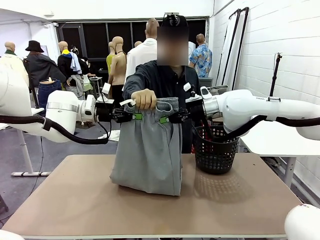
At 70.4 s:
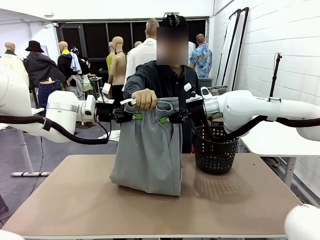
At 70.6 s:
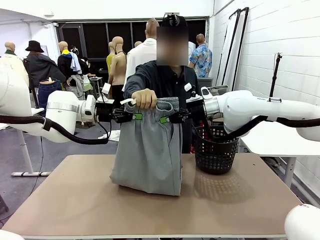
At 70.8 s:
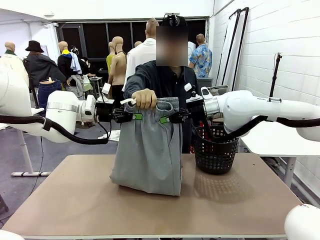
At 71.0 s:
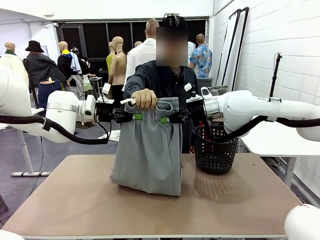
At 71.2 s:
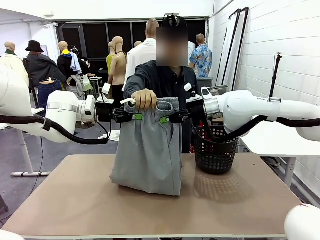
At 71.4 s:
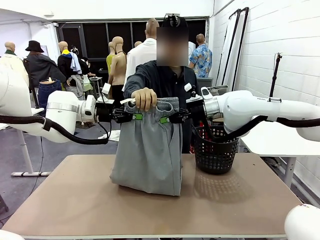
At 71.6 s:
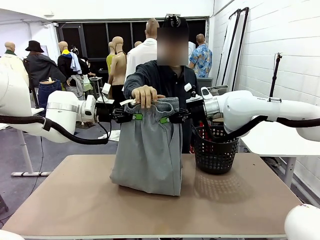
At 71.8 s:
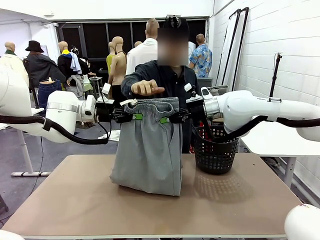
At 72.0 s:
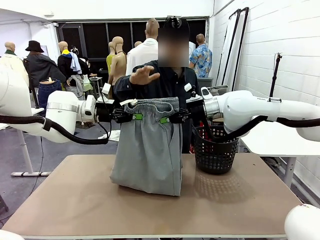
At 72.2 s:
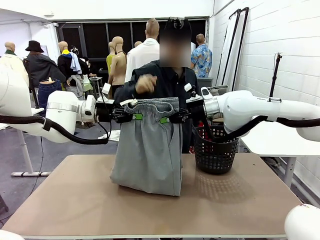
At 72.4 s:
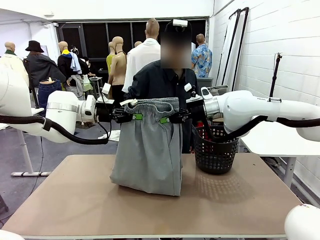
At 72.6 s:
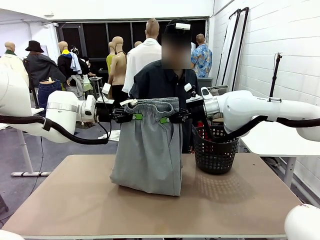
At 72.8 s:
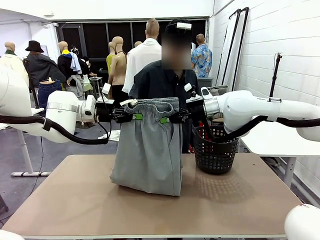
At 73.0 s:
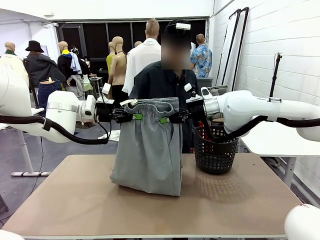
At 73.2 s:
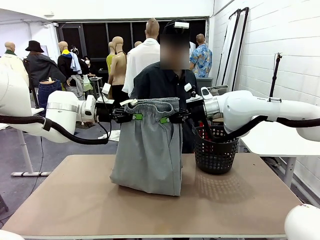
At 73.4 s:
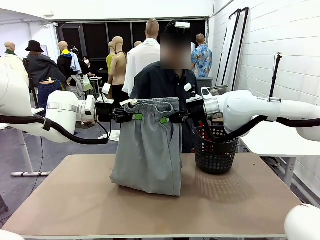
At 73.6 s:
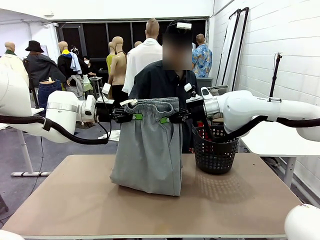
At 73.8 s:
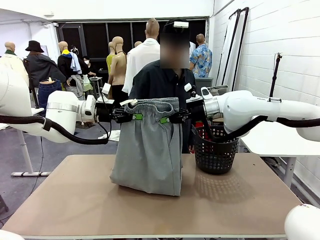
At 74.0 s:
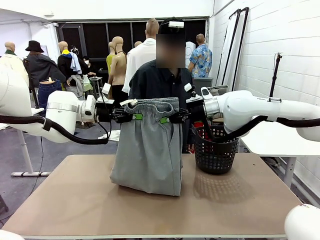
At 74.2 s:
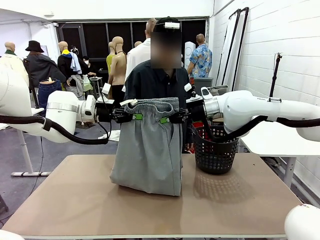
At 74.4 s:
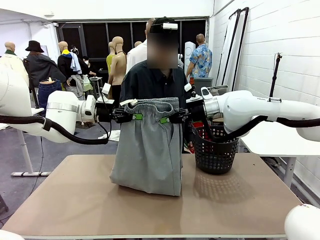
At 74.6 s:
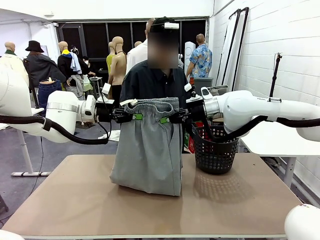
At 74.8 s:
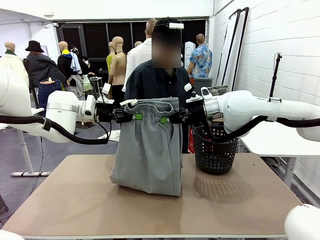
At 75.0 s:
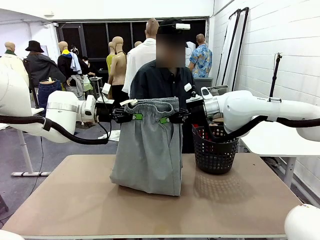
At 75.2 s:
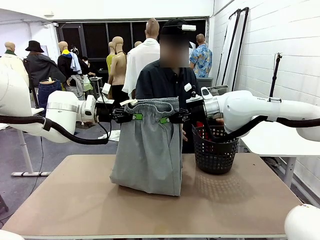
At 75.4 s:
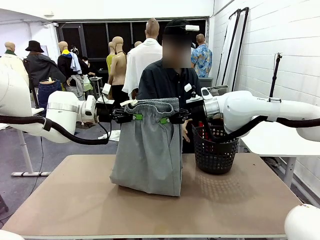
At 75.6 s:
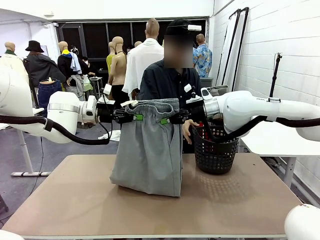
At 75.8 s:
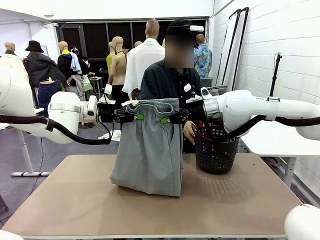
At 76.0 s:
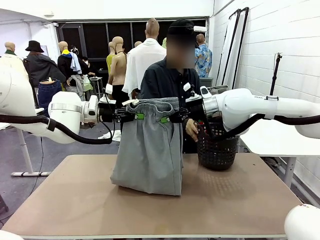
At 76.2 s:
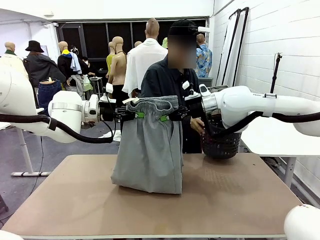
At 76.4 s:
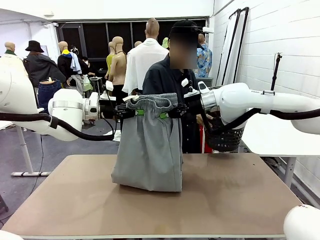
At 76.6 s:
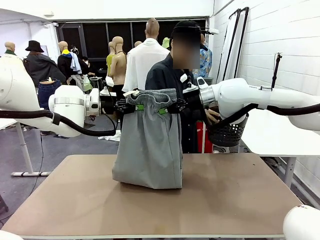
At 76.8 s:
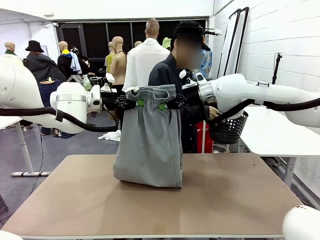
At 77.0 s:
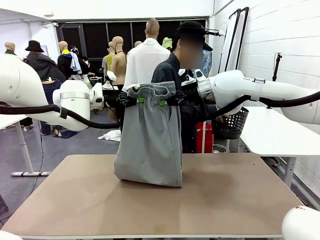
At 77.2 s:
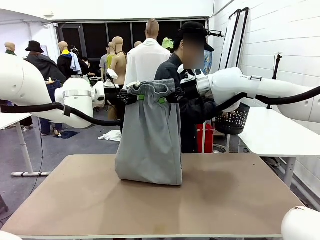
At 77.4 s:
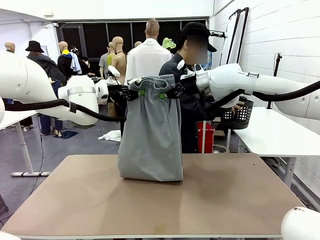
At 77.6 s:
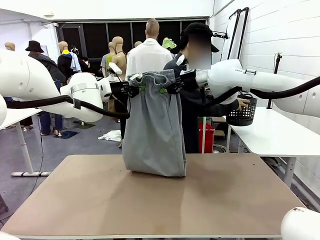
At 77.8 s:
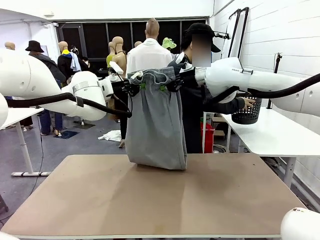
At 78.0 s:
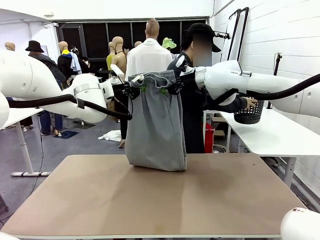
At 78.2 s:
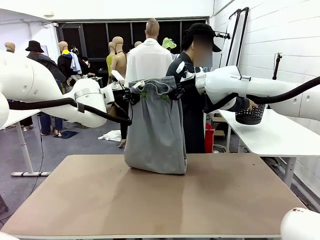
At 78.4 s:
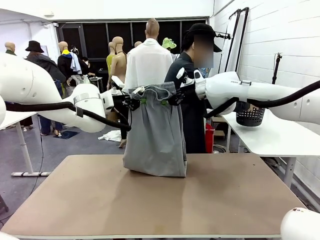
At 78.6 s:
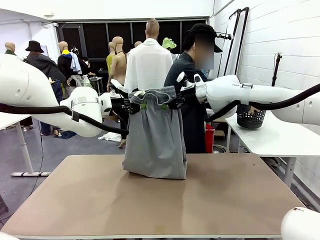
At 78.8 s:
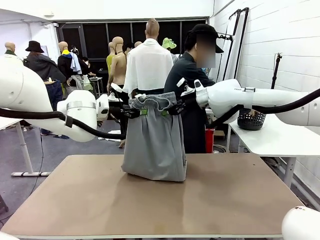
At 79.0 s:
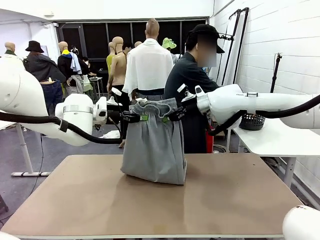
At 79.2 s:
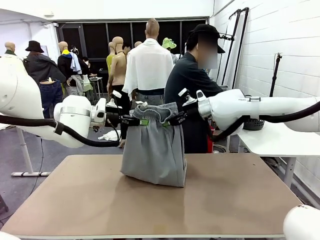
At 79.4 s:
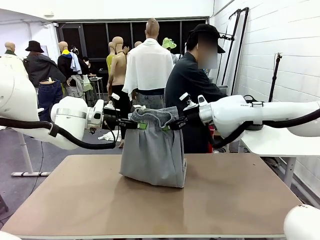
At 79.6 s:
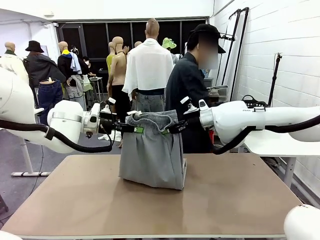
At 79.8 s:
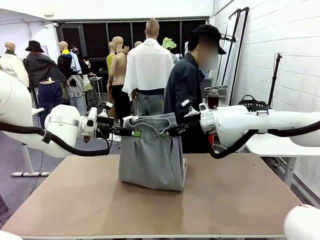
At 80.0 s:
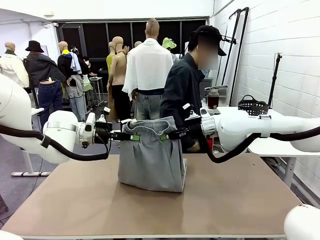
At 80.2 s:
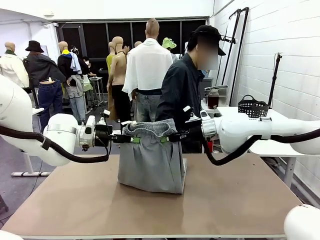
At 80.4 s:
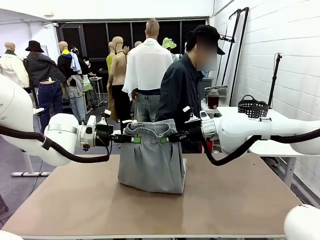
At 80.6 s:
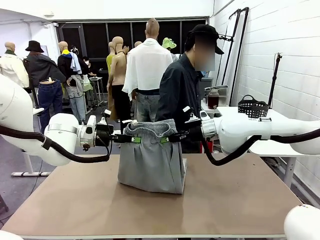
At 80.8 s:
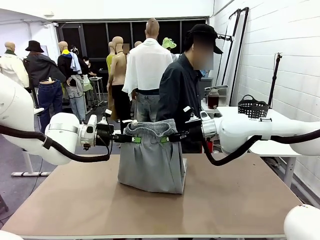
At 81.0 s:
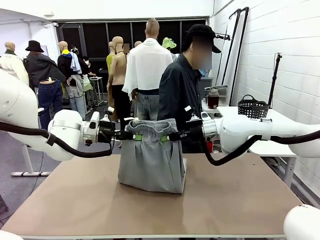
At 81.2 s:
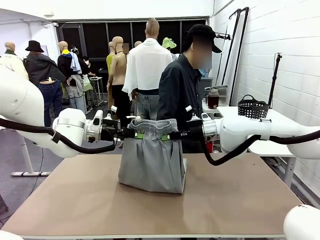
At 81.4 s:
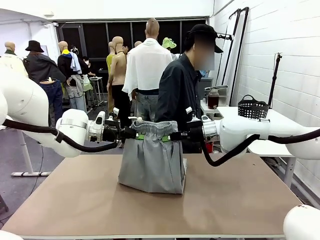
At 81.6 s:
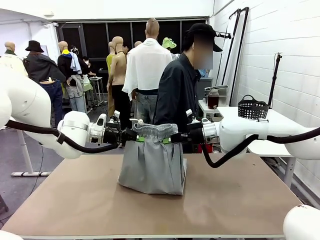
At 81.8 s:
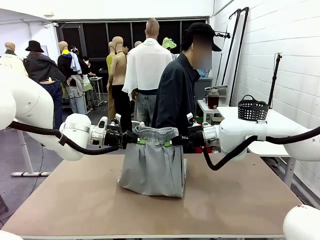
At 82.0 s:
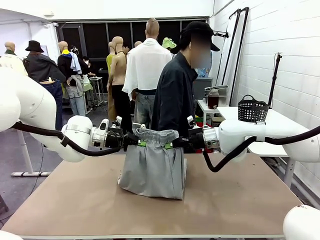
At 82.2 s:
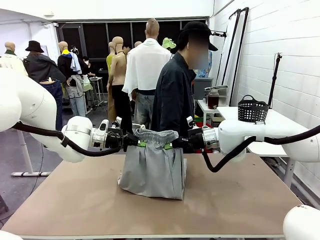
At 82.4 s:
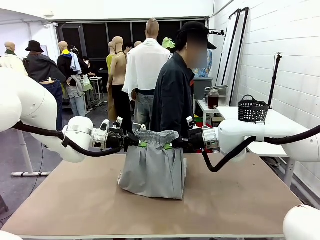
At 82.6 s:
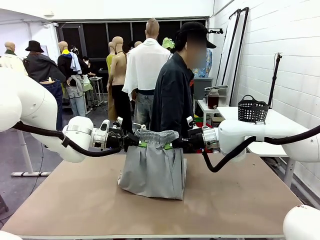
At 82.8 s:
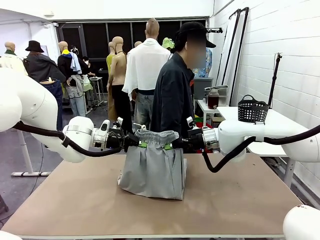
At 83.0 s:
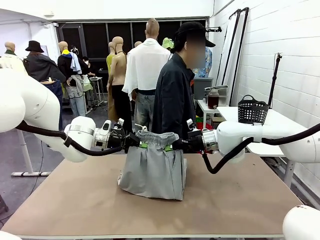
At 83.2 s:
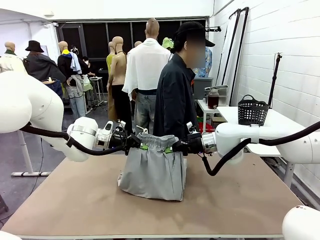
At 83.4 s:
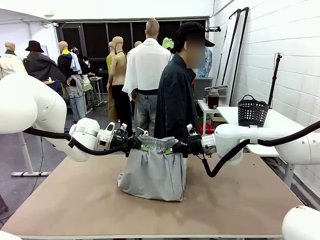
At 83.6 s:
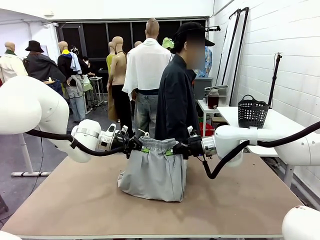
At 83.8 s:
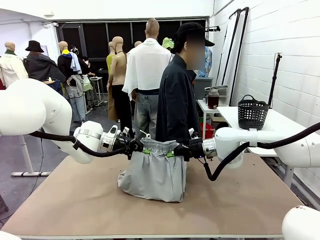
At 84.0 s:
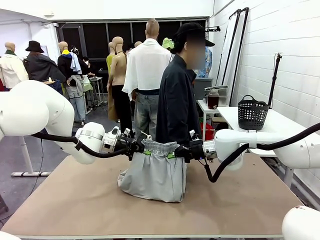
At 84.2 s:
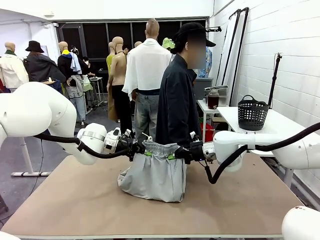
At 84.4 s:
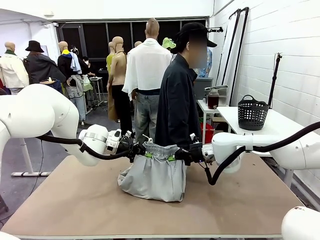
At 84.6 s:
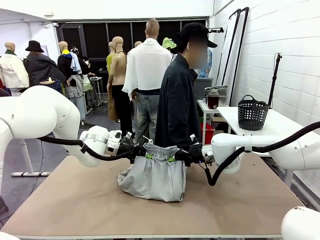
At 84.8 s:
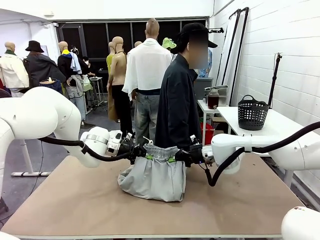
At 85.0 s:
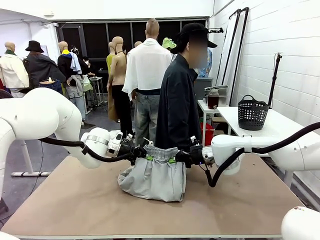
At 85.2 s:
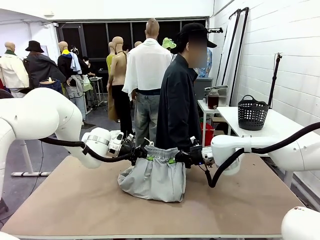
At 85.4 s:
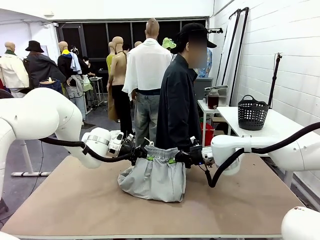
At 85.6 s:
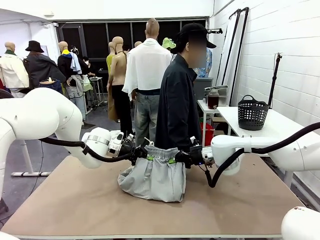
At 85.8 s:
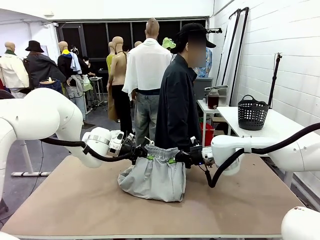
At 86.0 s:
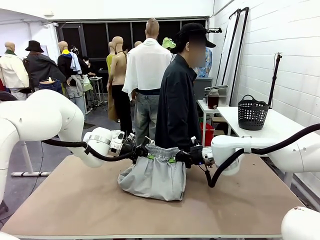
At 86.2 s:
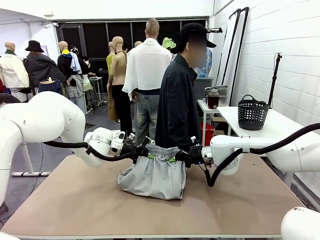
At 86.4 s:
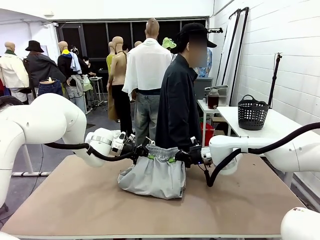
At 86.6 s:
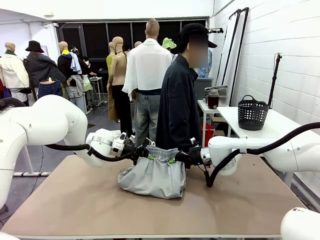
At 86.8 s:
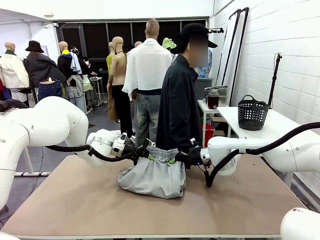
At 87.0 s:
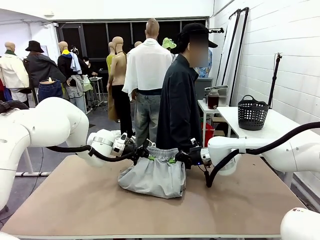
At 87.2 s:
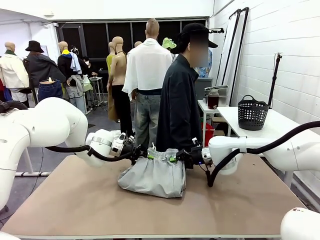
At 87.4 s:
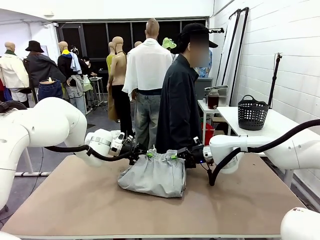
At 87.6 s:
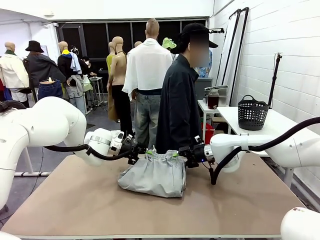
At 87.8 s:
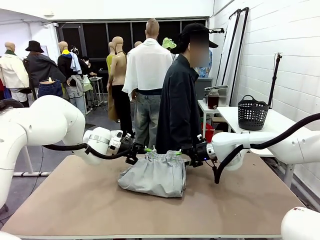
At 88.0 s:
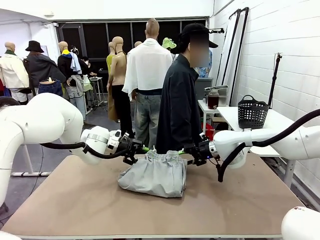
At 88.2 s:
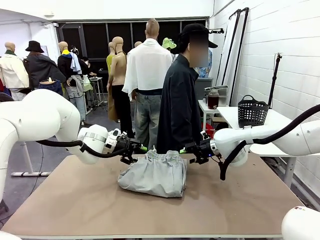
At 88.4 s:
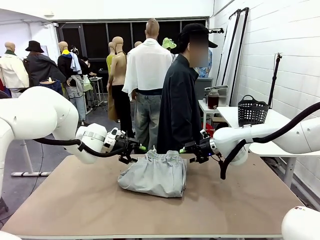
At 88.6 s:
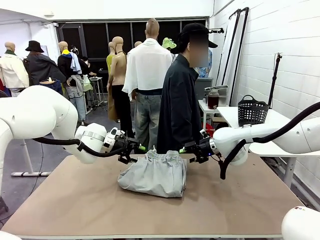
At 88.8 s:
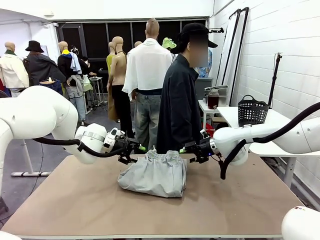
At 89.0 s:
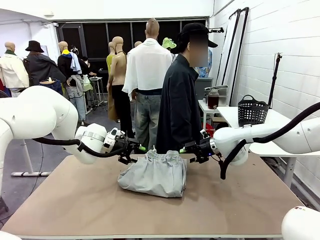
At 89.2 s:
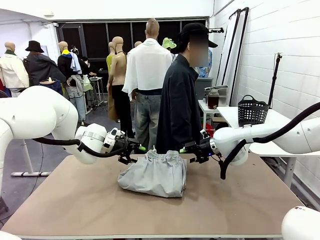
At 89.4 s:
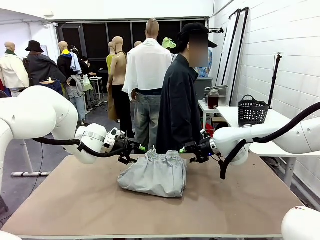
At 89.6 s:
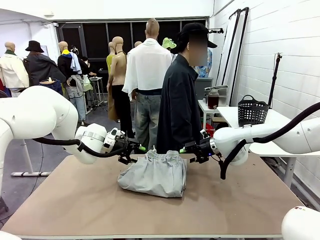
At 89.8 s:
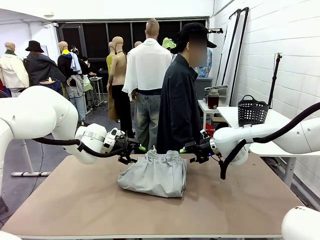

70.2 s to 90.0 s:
Task: Fold the training pants.
Robot: Fold the Training pants in half.
Person: Move the laundry basket to the right of the human table.
